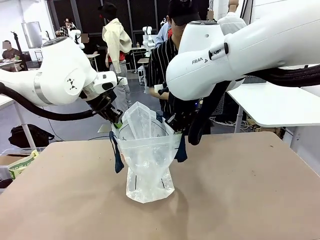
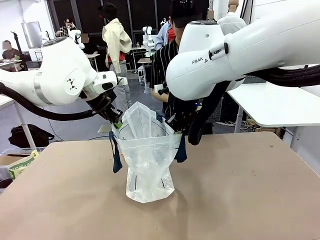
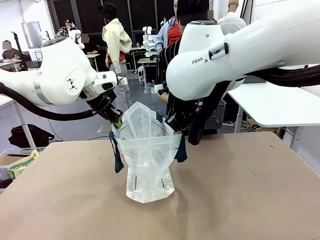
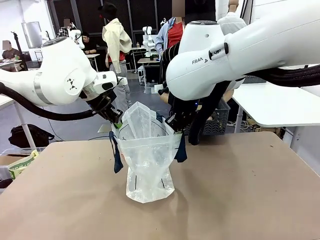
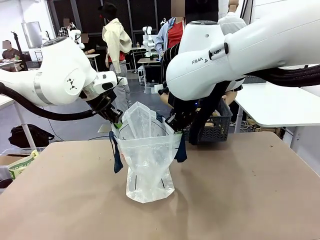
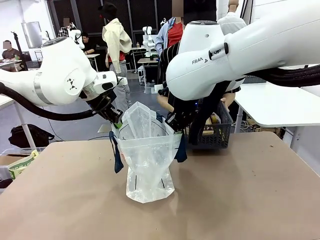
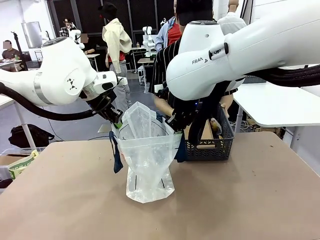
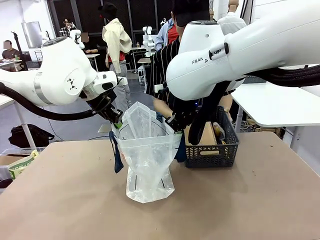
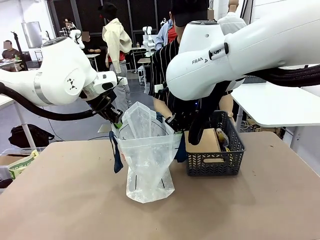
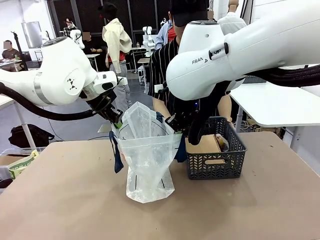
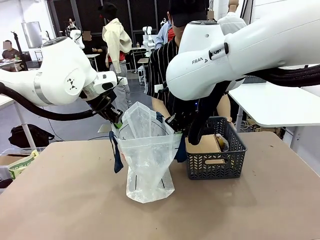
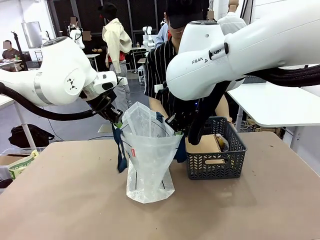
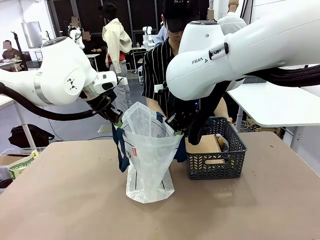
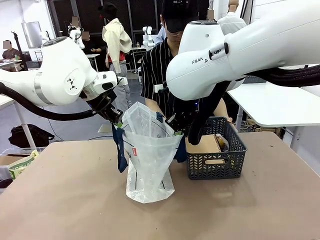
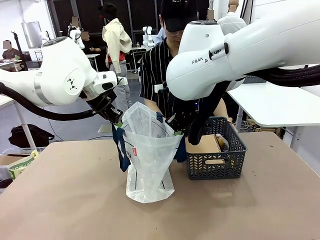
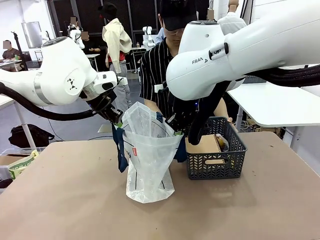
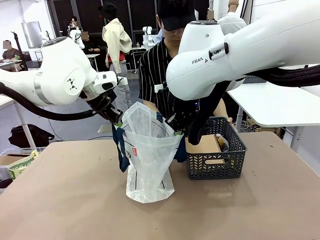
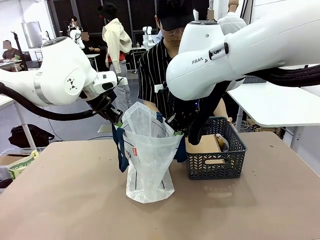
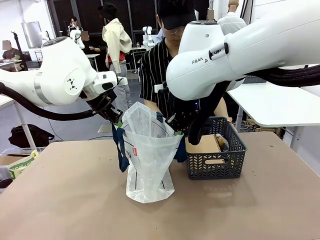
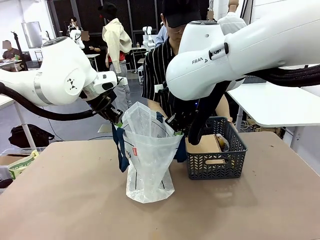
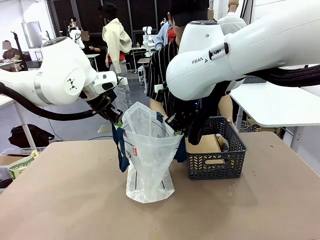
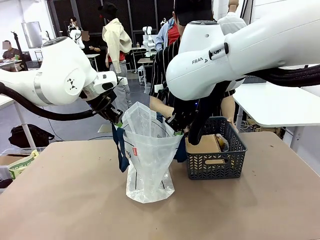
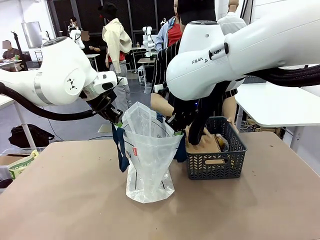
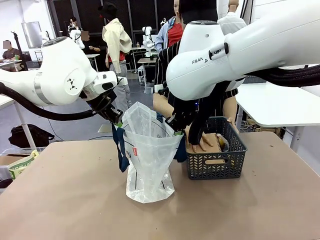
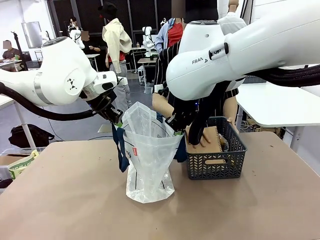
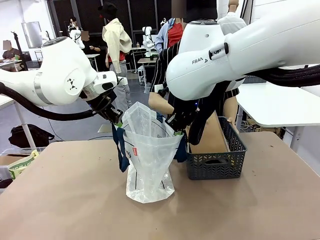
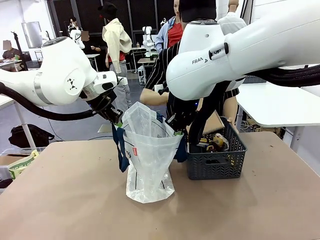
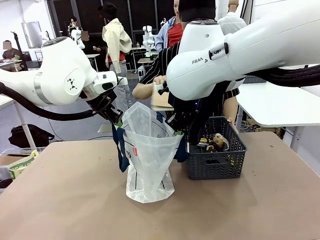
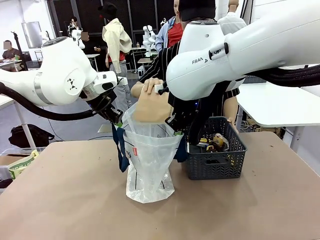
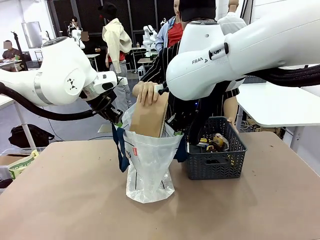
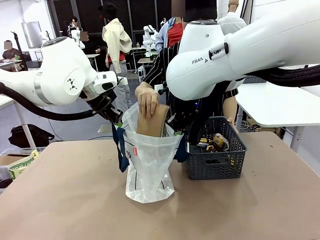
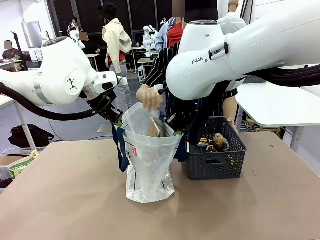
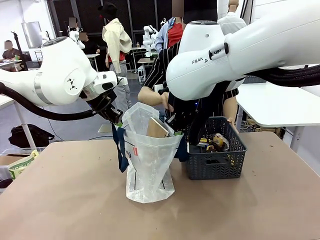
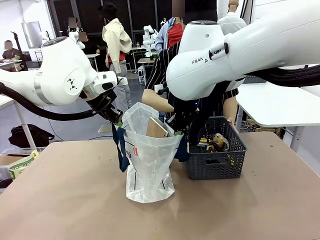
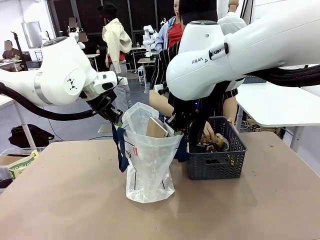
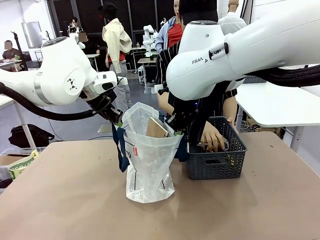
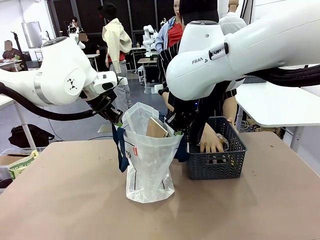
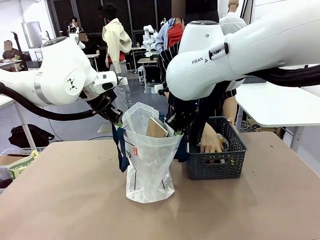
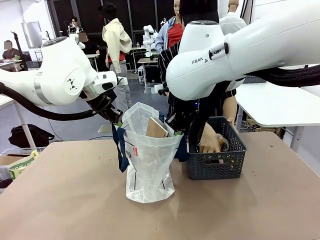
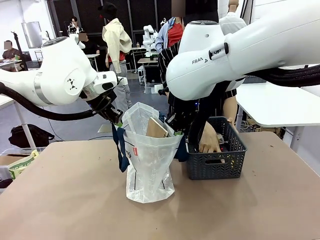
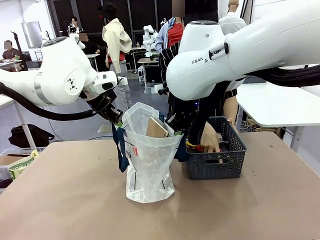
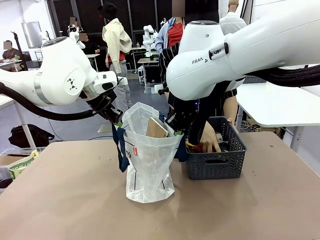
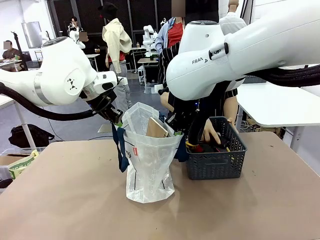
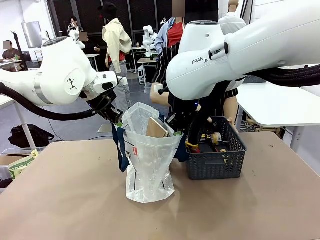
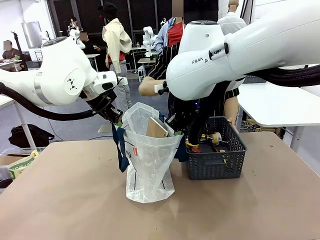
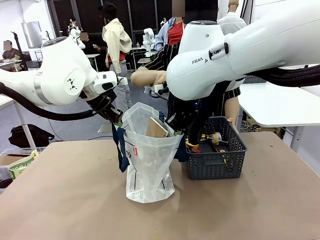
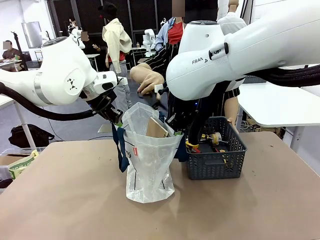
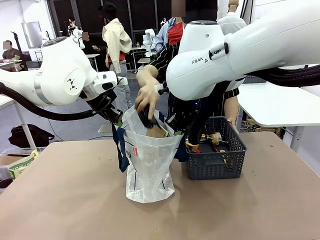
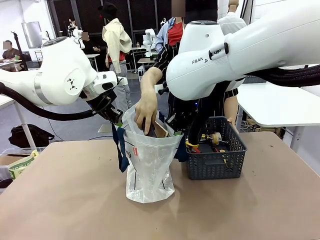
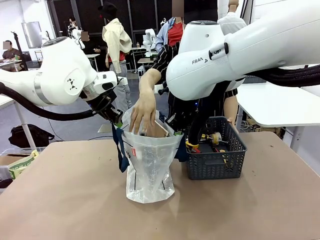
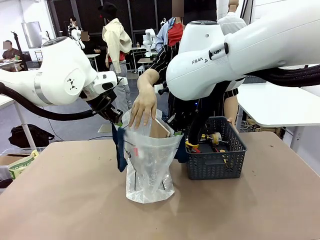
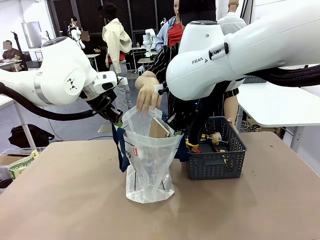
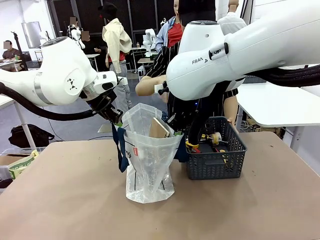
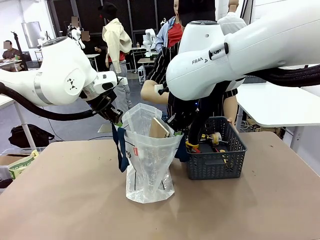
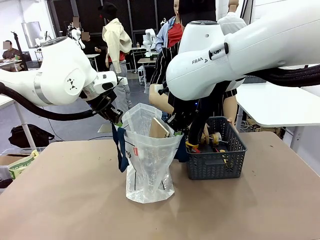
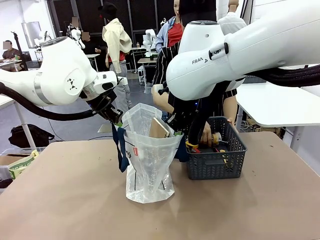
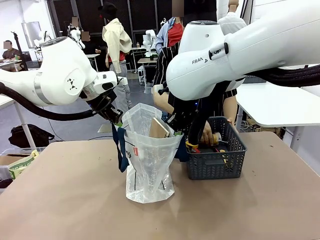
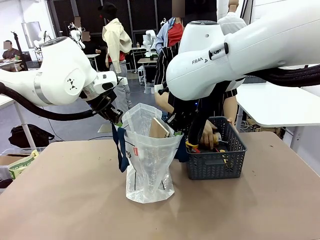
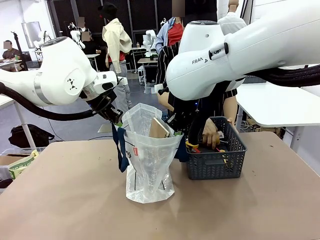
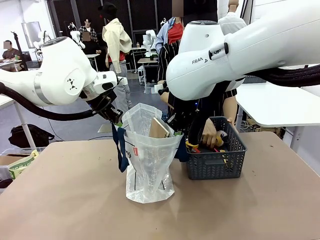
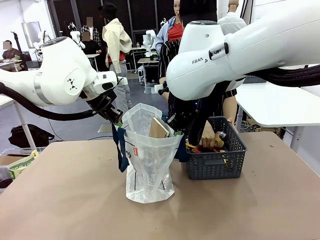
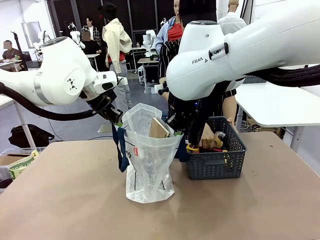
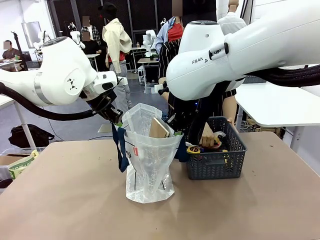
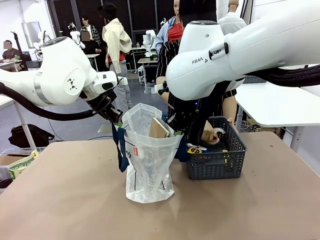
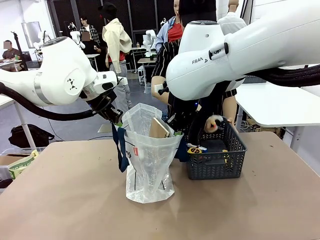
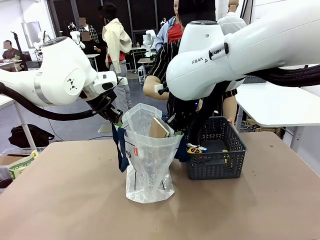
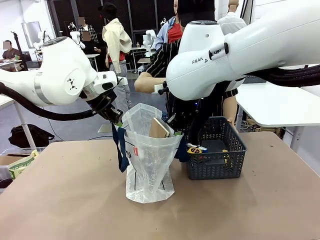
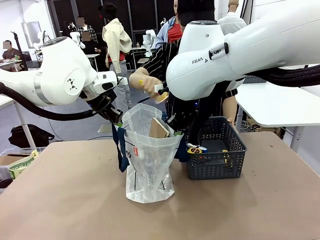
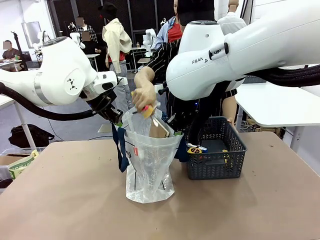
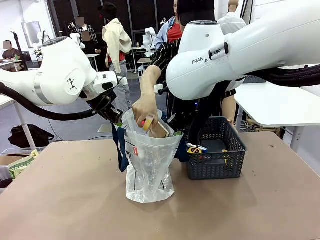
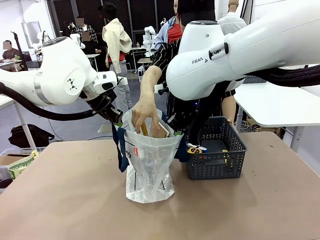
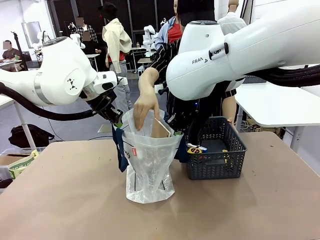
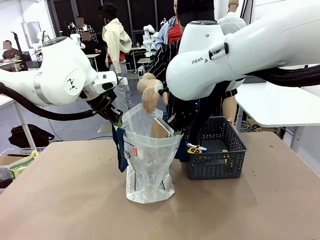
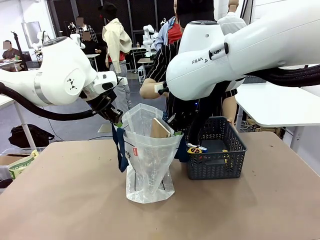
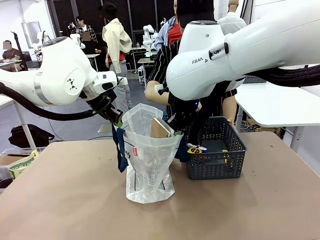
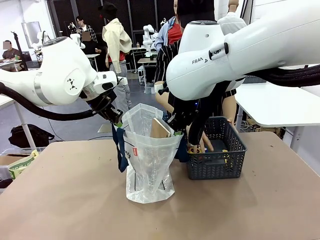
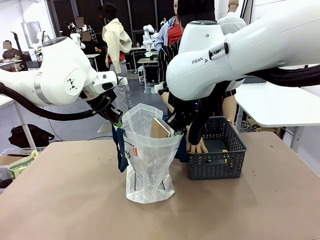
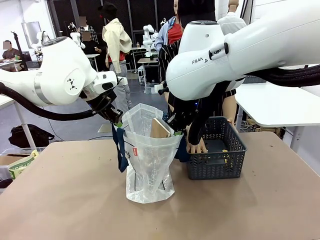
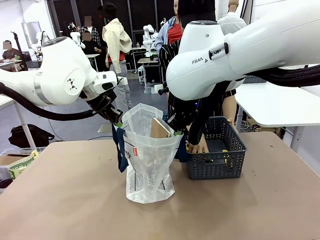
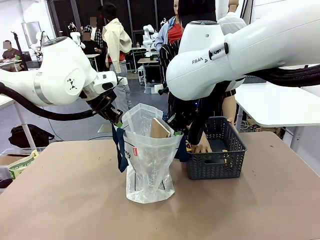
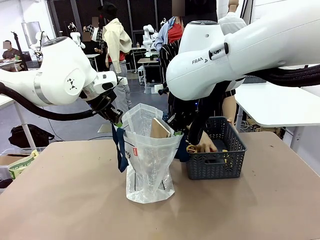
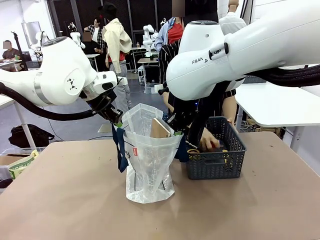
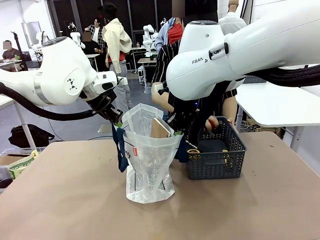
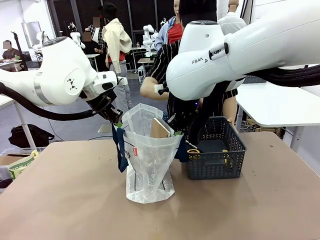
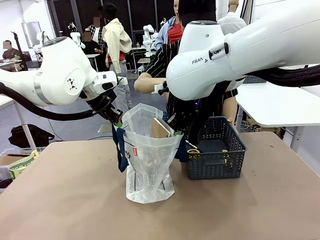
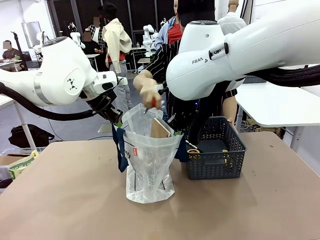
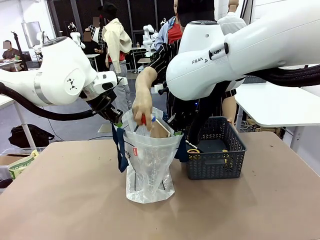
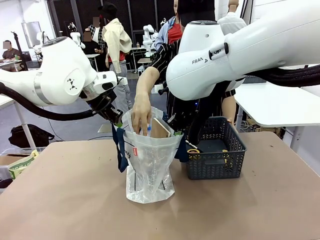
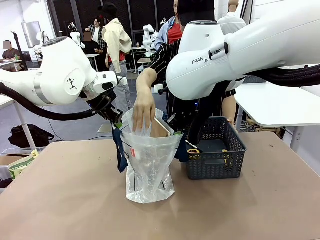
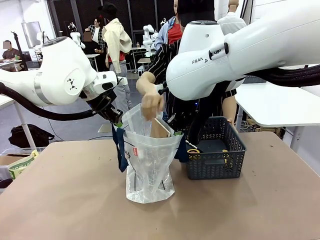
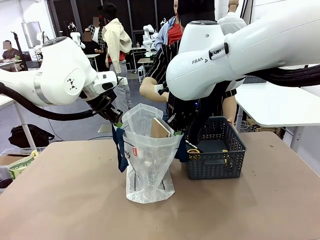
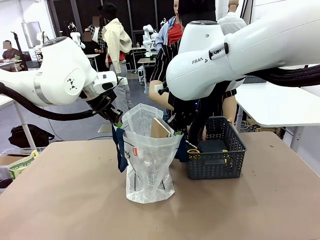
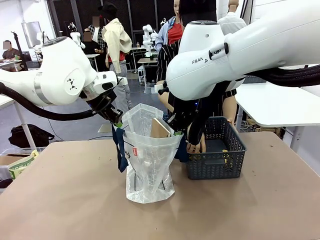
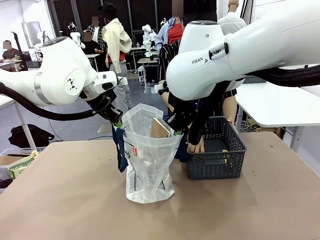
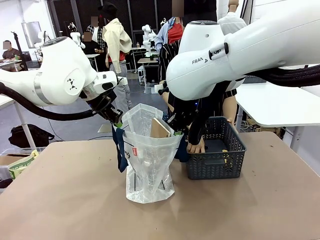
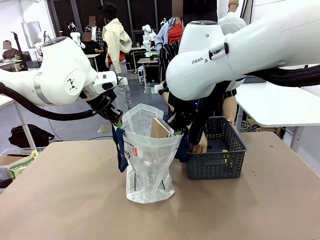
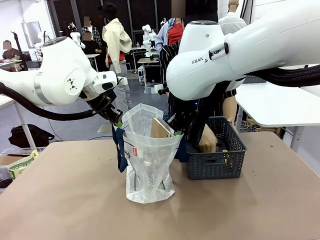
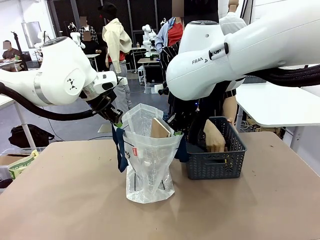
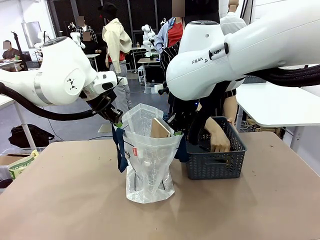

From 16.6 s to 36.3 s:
Task: Transfer purchased items from the store into the shopping bag.
Robot: Move the Reusable shopping bag to the right side of the table.
Person: Pick up the basket with the items out and place it on the right side of the human table.
